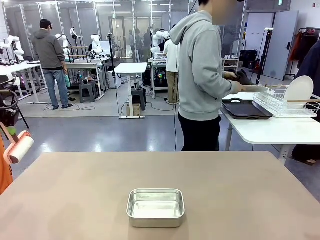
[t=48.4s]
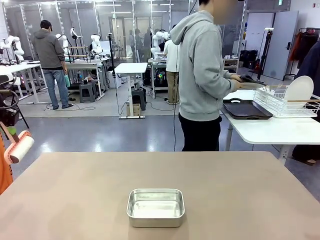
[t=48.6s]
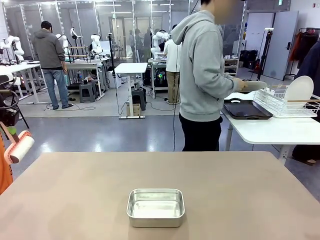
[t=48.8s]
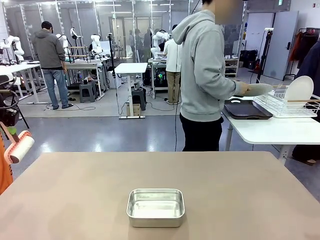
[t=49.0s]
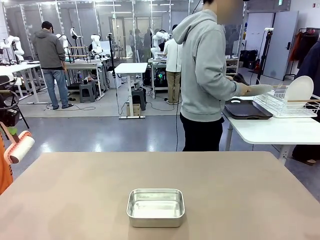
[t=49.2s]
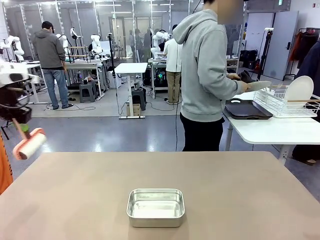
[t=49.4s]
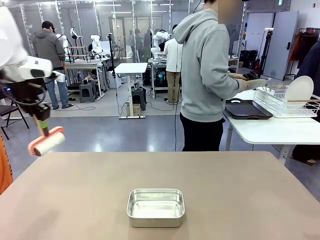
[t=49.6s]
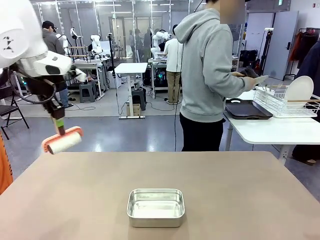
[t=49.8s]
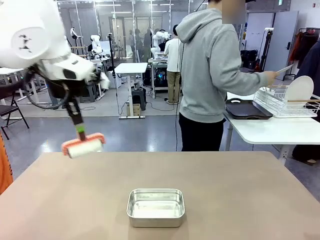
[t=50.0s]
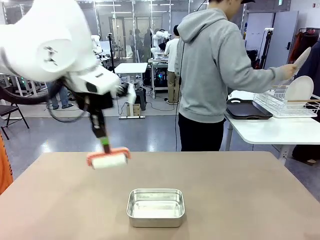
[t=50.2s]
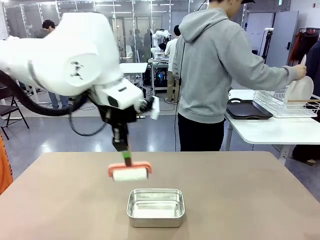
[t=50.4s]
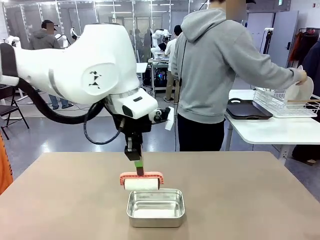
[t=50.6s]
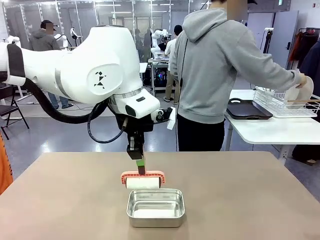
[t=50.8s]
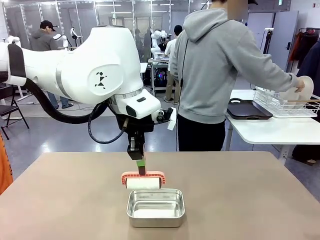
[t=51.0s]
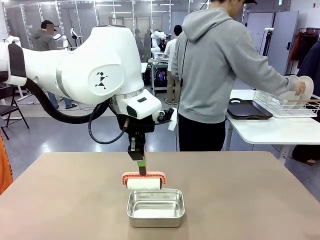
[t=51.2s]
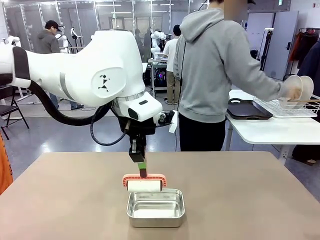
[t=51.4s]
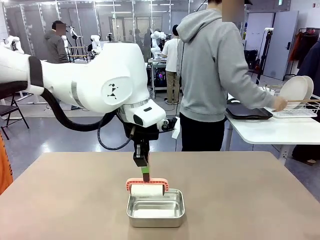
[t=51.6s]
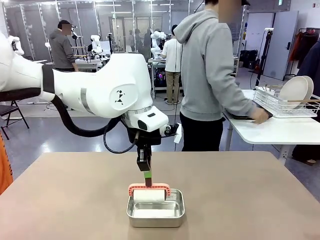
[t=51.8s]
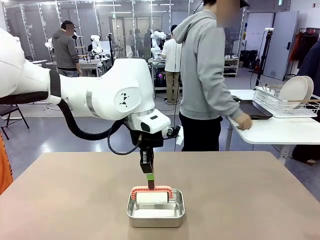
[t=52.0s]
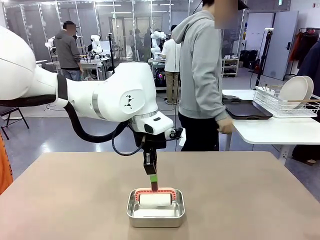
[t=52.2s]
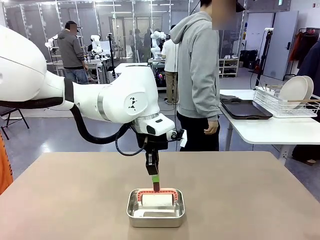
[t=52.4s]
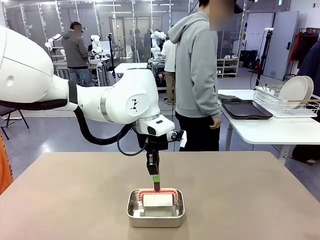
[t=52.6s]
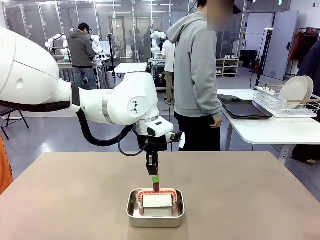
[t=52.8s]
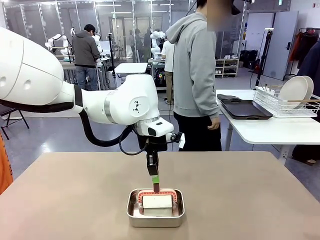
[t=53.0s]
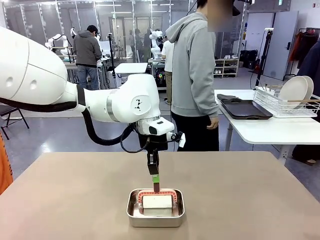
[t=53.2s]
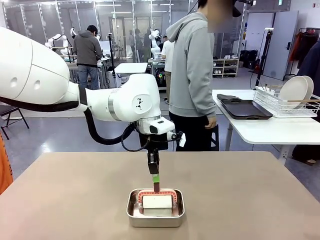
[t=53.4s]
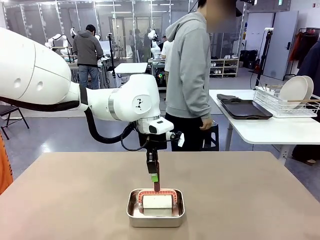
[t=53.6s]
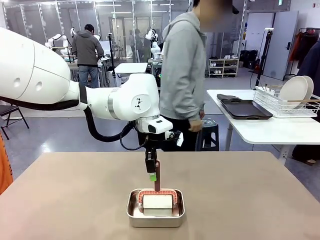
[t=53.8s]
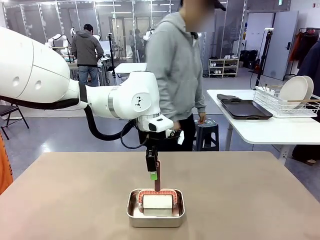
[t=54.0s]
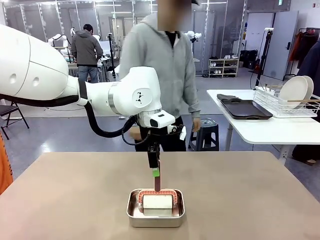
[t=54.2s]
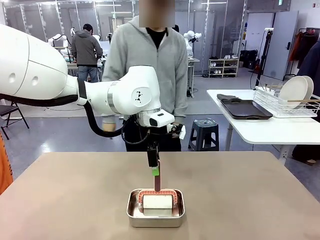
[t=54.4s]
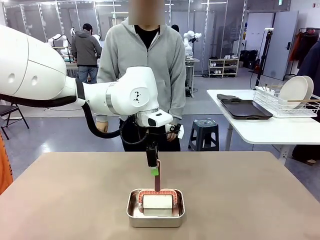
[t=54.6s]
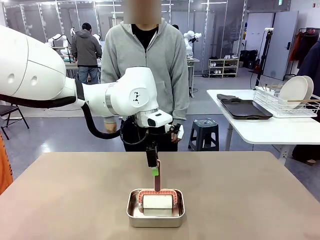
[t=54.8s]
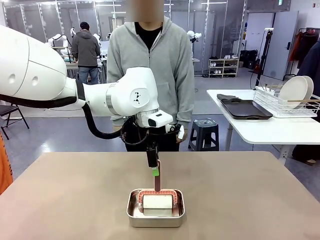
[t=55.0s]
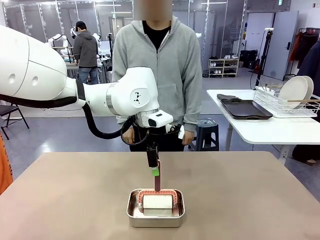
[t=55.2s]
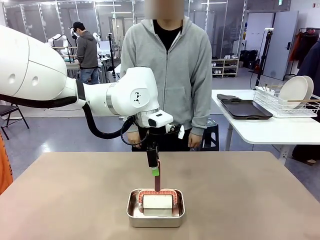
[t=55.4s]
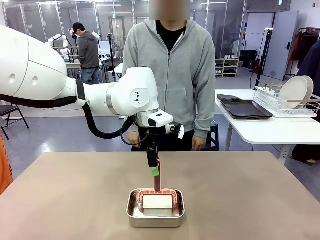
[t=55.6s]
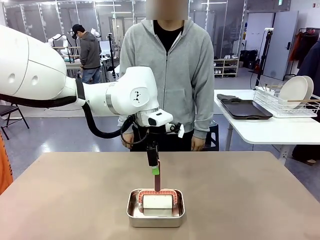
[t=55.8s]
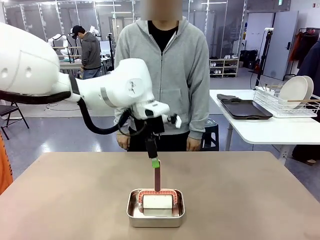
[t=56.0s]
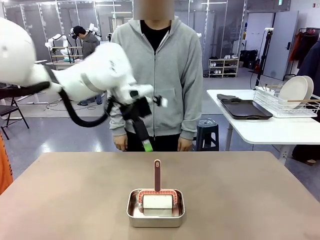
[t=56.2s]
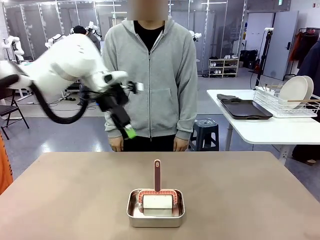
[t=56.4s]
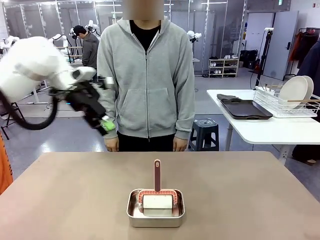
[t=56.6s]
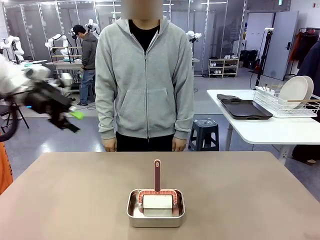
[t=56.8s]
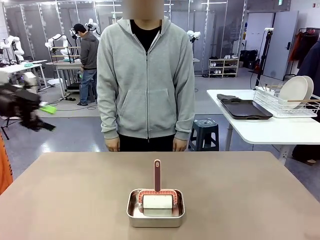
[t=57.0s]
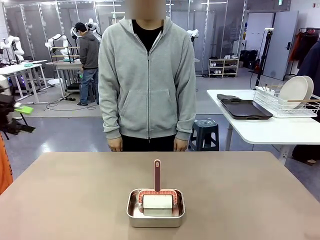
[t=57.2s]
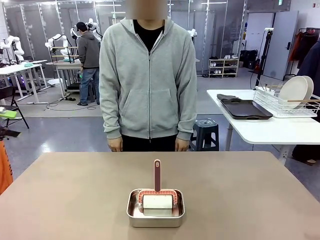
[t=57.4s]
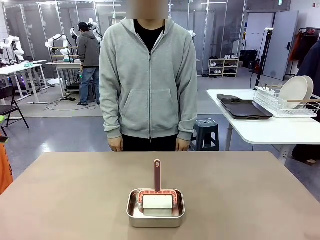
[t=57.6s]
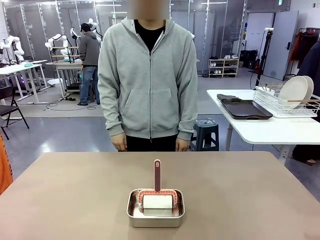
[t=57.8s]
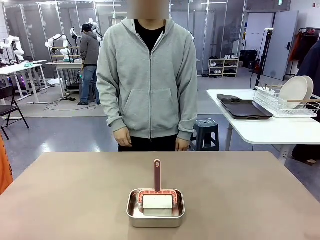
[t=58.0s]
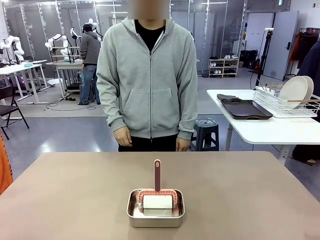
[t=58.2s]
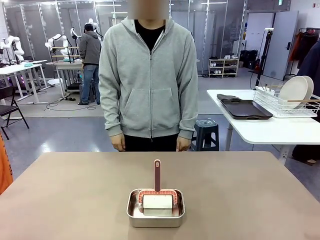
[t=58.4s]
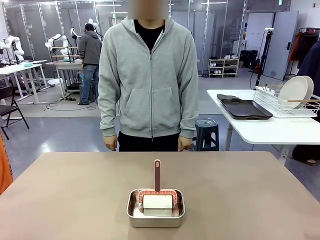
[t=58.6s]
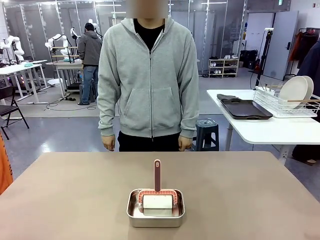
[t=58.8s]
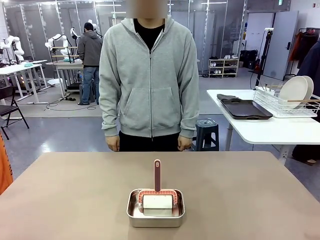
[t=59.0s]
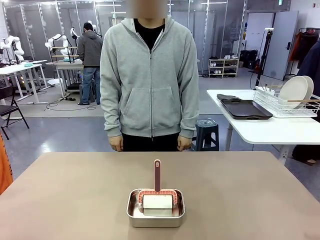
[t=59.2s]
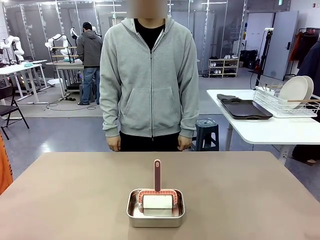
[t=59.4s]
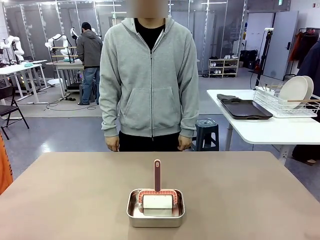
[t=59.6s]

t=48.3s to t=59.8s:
Robot: Place the Lint Roller back on top of the Airtight Container.

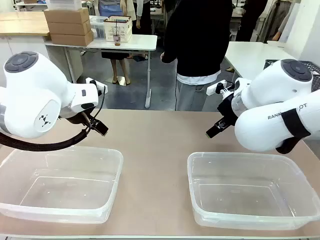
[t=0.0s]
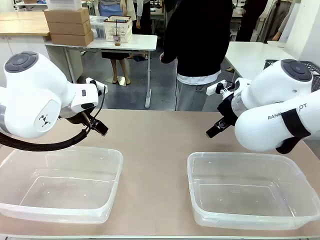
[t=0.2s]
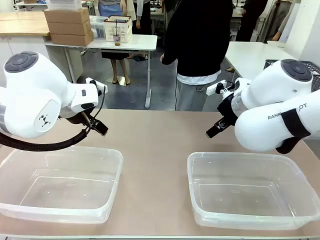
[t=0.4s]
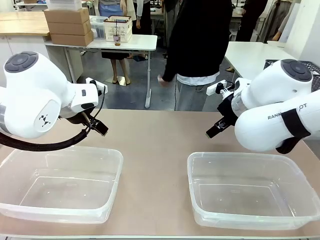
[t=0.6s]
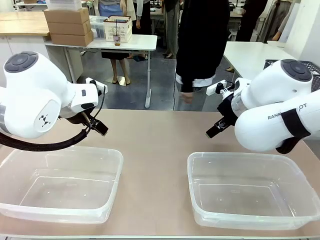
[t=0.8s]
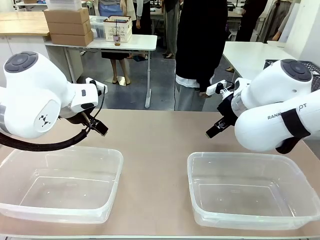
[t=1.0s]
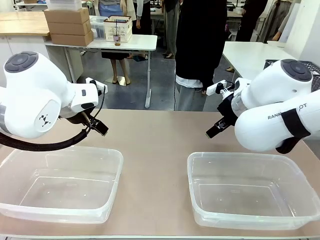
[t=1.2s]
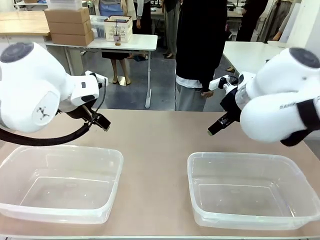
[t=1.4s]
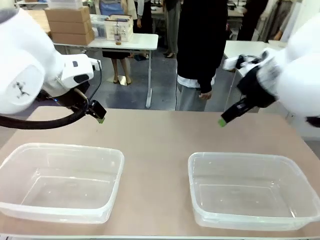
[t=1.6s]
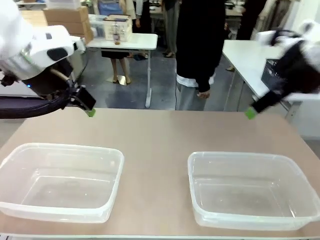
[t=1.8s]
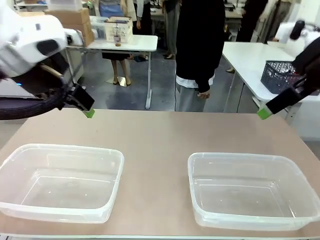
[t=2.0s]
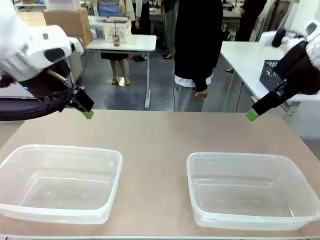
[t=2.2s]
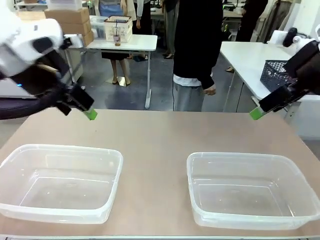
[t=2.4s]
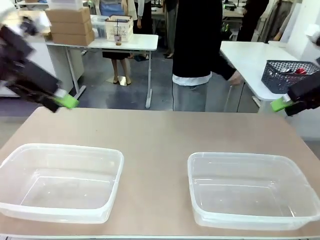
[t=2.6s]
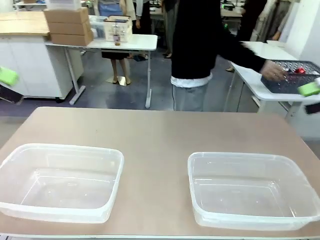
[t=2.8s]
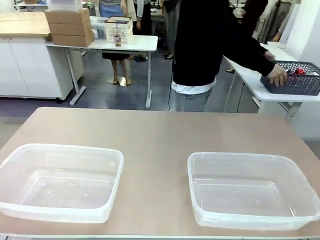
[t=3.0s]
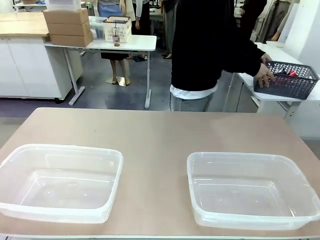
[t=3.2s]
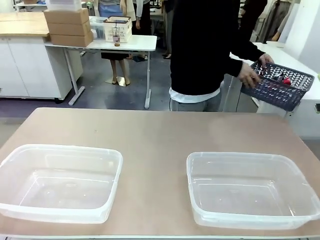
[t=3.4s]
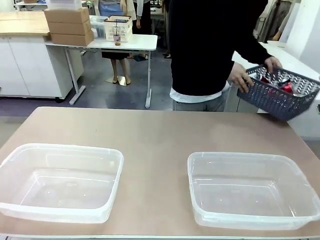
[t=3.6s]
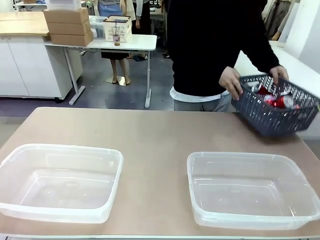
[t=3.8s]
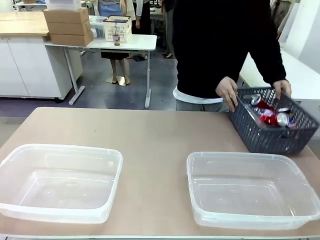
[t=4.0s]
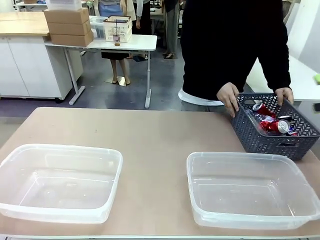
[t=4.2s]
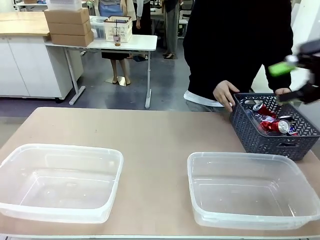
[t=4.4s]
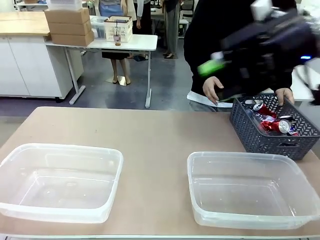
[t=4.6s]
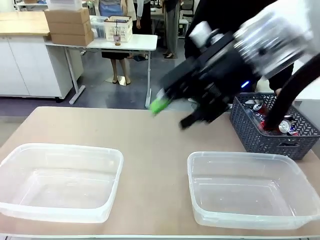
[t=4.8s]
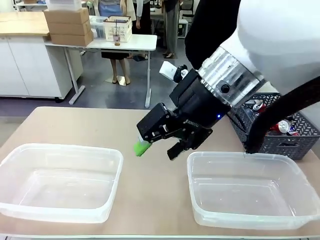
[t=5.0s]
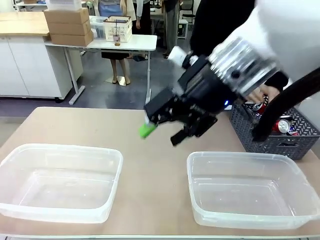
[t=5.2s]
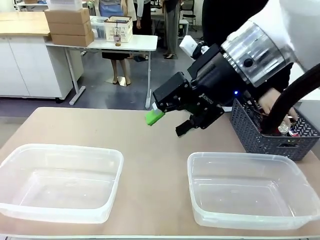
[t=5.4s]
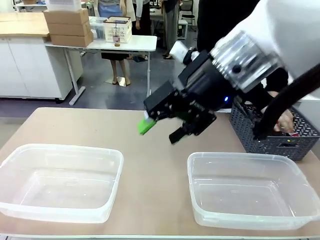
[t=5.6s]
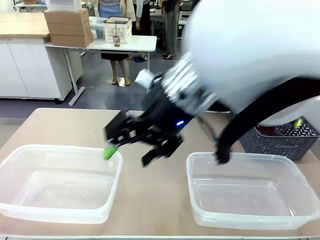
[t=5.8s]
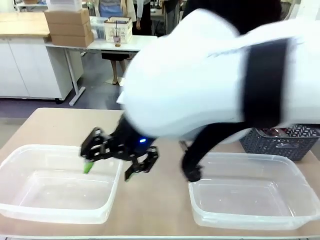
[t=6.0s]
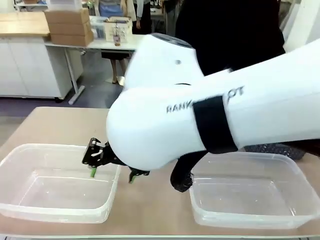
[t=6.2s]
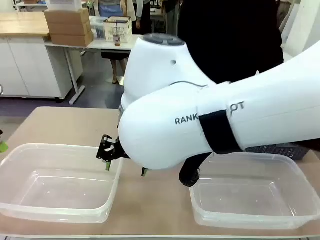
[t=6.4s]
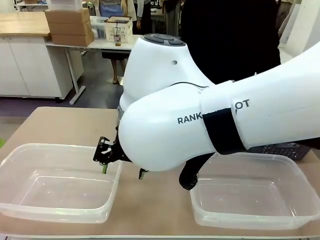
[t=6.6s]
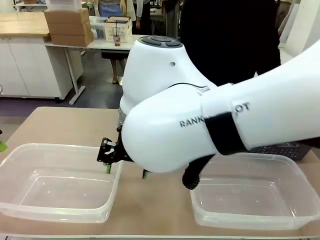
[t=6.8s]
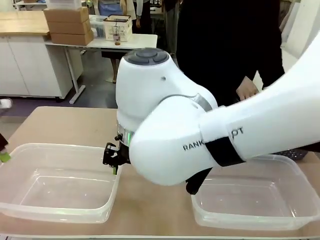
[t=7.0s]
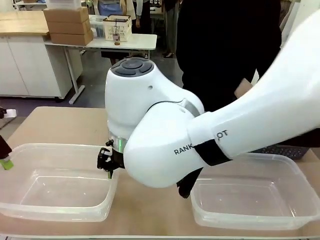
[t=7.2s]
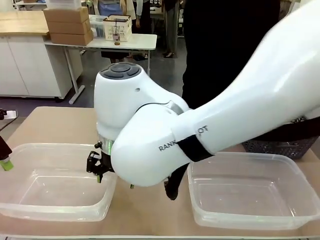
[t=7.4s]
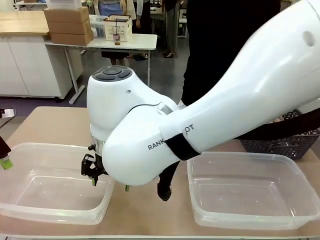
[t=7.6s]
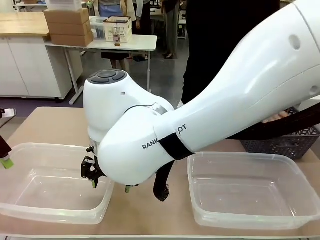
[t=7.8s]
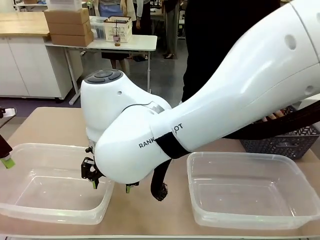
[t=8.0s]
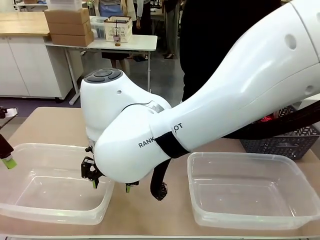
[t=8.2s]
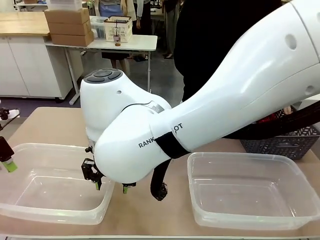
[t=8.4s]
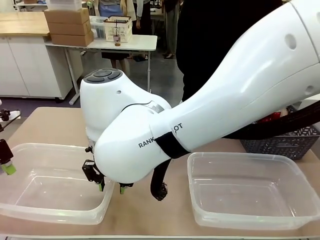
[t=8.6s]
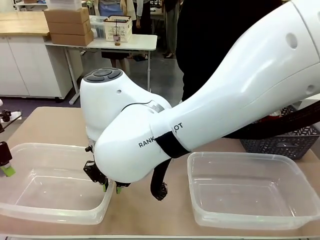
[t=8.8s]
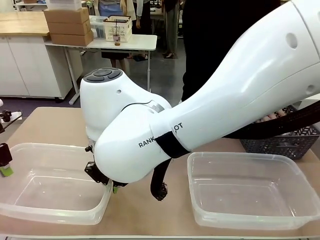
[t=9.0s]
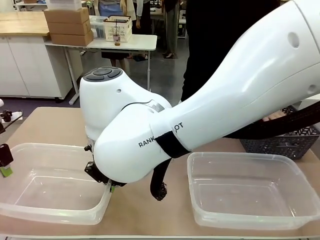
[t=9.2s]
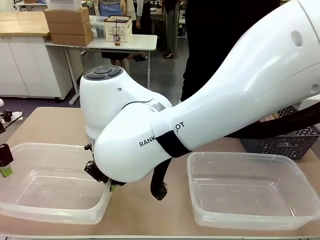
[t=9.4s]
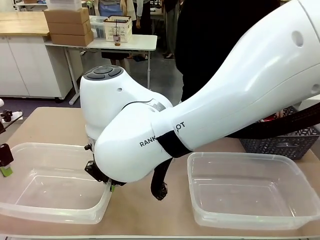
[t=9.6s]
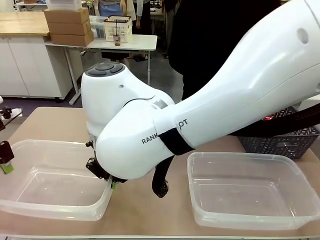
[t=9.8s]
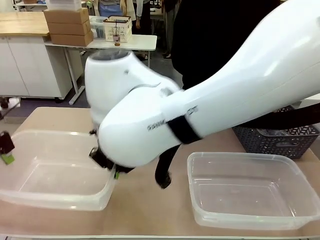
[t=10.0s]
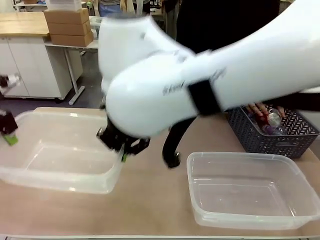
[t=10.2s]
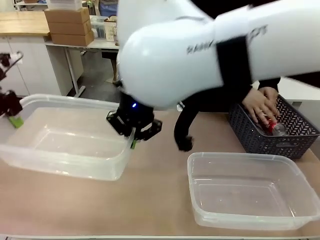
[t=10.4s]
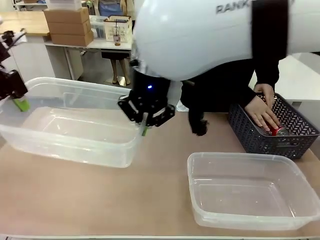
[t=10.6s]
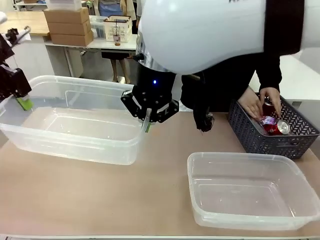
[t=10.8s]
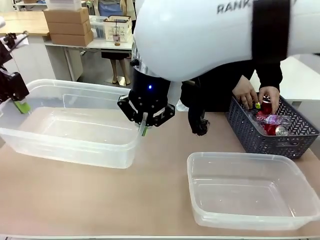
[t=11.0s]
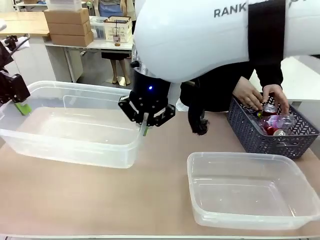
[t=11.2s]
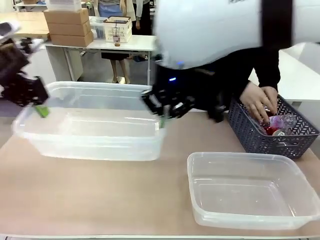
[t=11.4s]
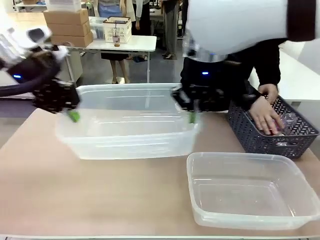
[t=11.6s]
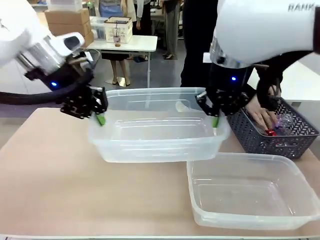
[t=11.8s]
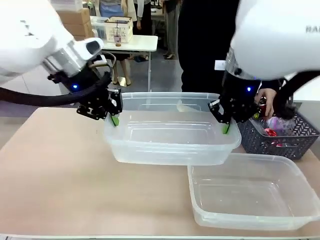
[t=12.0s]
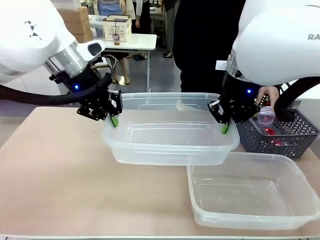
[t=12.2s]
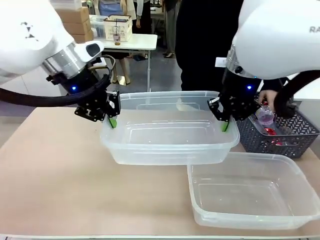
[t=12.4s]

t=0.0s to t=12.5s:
Robot: Pick up the Organizing box on the left side of the table and lift it.
Person: Pick up the storage basket and place it on the left side of the robot table. Pick up can-shaped waste one by one and place it into the organizing box lifted by the robot.
